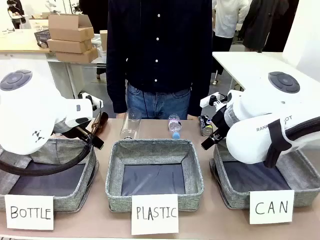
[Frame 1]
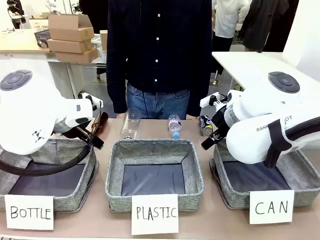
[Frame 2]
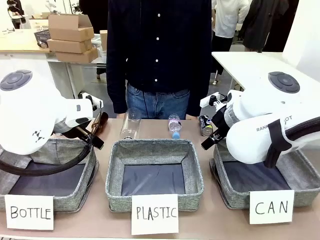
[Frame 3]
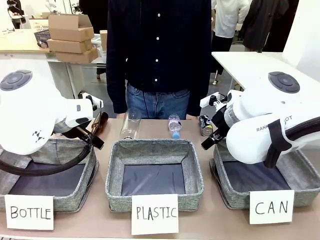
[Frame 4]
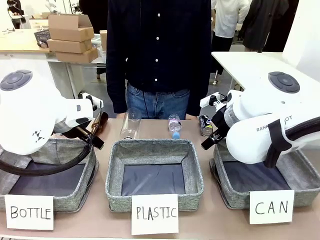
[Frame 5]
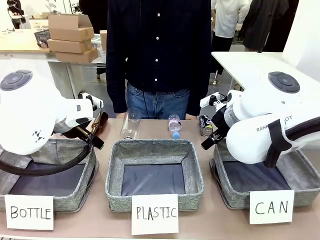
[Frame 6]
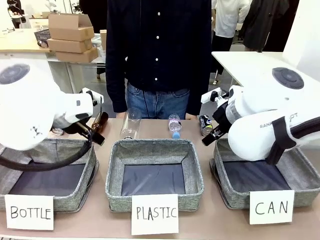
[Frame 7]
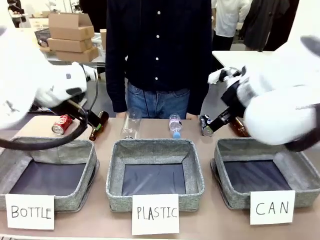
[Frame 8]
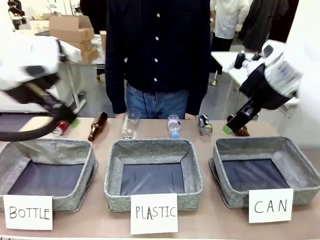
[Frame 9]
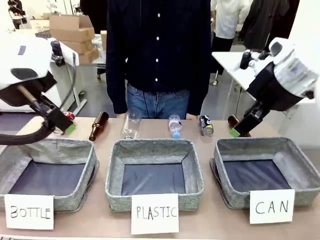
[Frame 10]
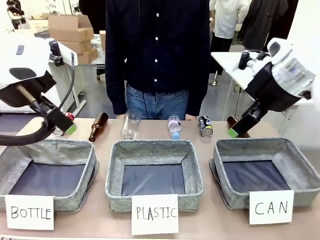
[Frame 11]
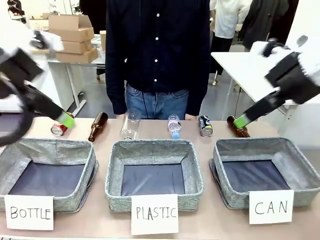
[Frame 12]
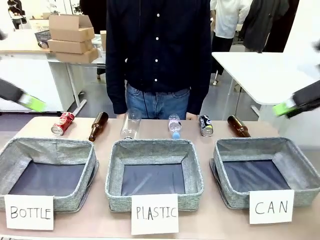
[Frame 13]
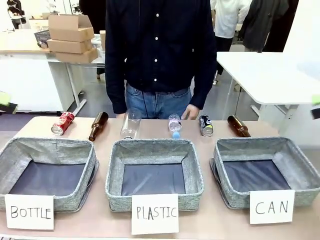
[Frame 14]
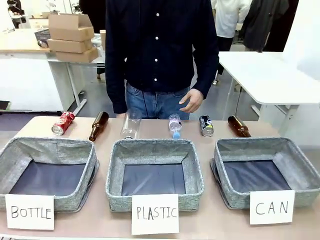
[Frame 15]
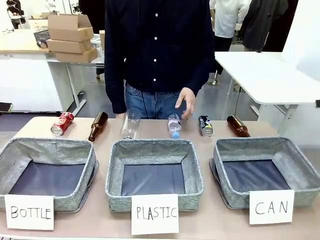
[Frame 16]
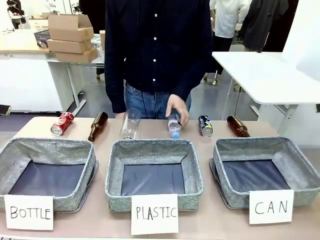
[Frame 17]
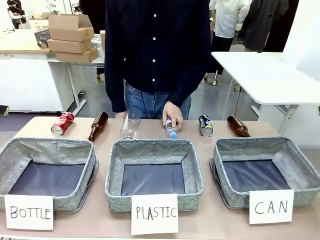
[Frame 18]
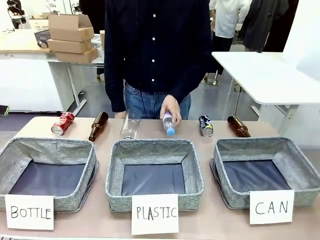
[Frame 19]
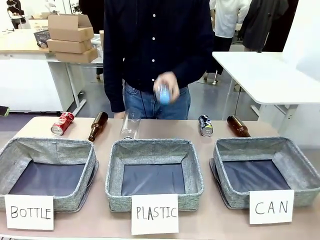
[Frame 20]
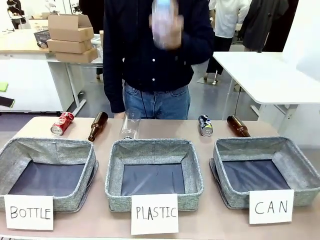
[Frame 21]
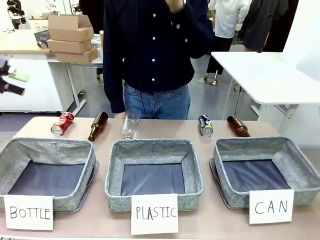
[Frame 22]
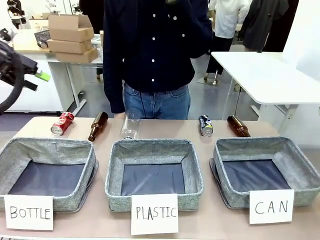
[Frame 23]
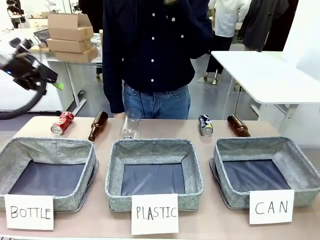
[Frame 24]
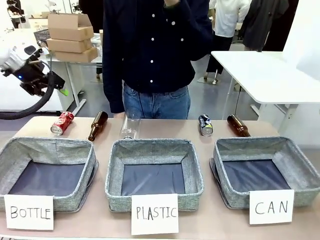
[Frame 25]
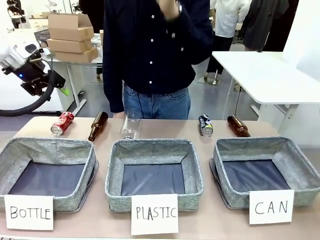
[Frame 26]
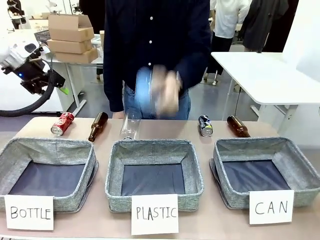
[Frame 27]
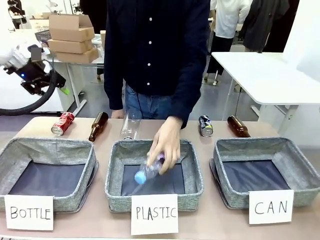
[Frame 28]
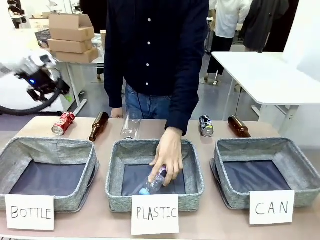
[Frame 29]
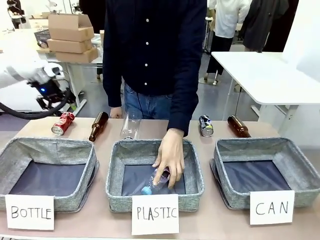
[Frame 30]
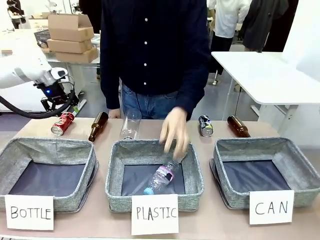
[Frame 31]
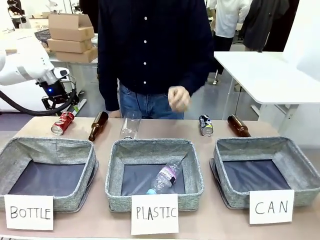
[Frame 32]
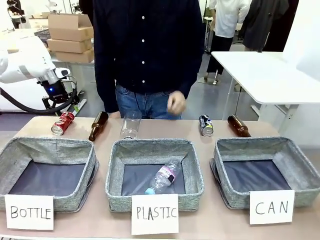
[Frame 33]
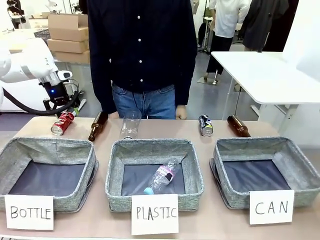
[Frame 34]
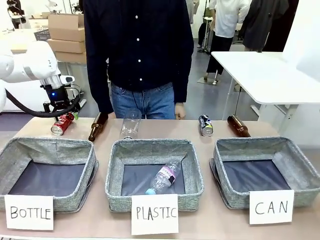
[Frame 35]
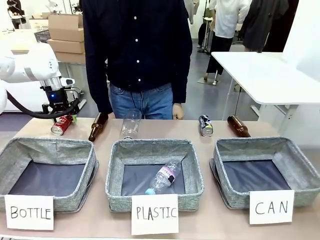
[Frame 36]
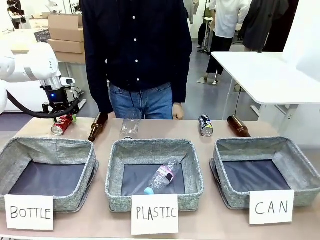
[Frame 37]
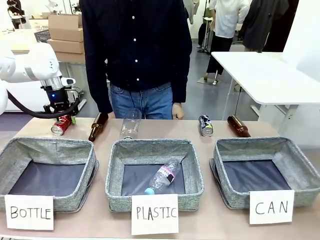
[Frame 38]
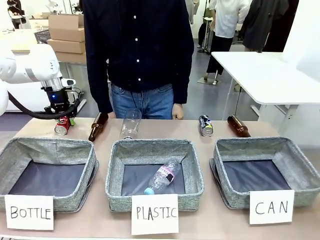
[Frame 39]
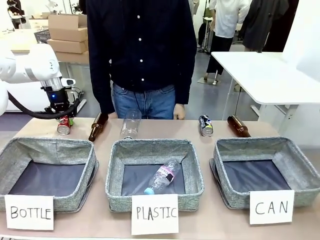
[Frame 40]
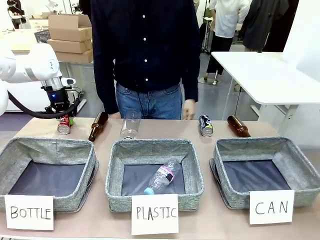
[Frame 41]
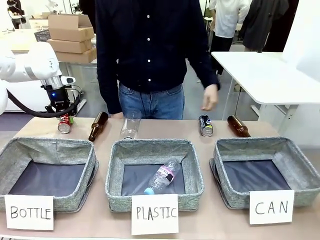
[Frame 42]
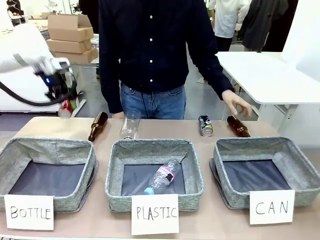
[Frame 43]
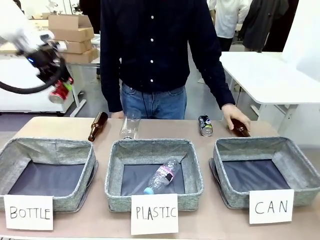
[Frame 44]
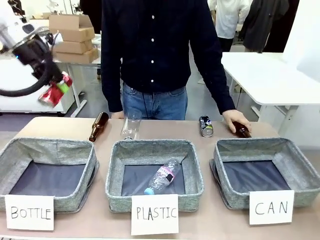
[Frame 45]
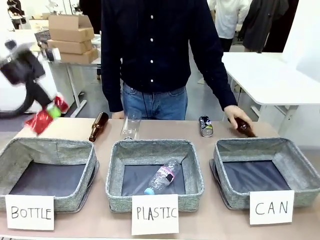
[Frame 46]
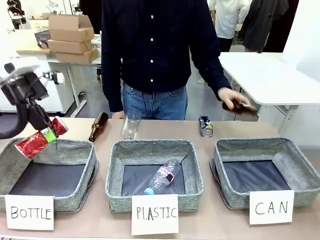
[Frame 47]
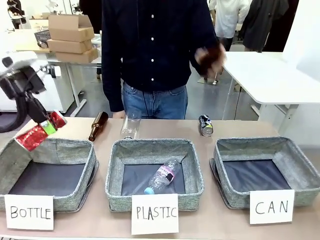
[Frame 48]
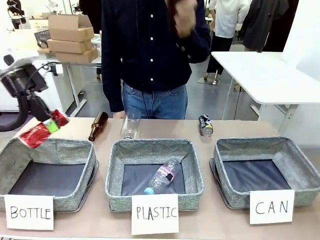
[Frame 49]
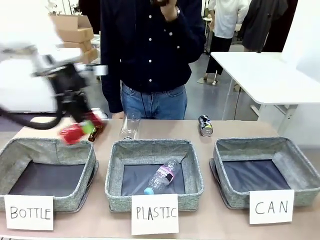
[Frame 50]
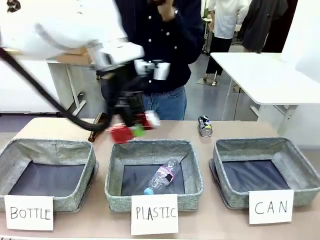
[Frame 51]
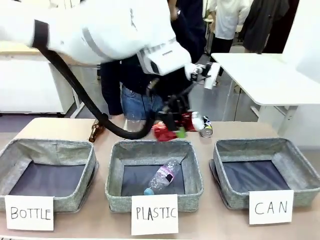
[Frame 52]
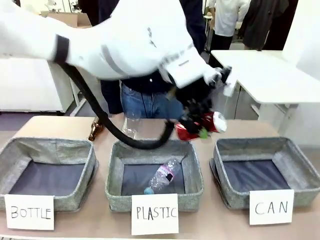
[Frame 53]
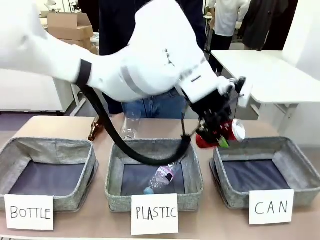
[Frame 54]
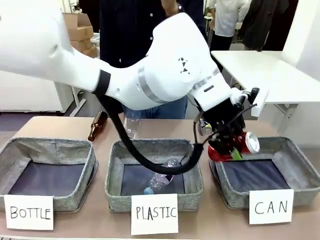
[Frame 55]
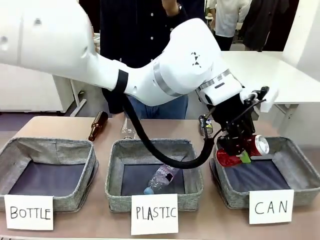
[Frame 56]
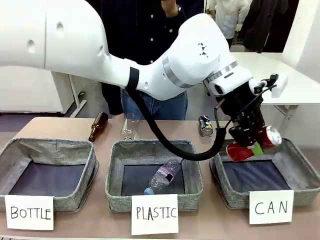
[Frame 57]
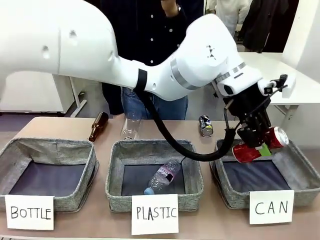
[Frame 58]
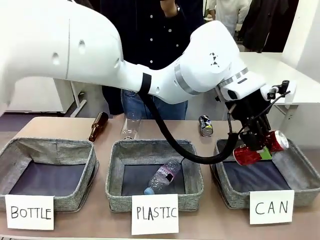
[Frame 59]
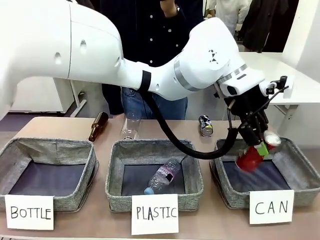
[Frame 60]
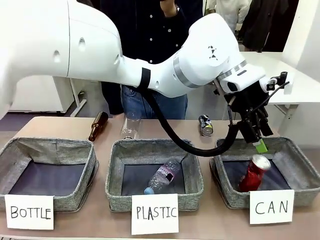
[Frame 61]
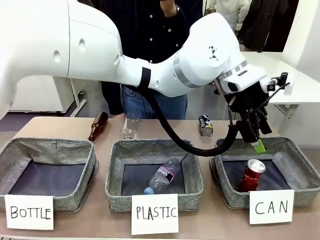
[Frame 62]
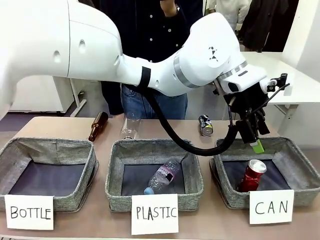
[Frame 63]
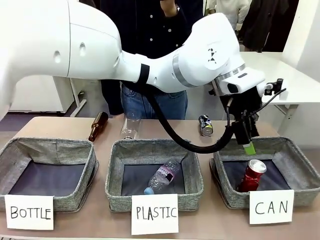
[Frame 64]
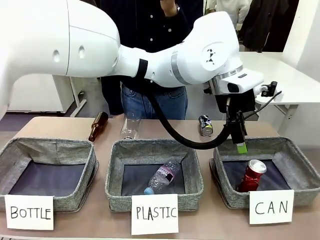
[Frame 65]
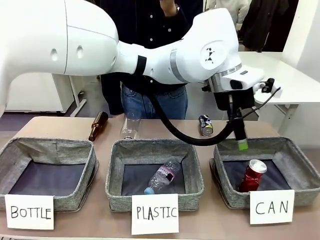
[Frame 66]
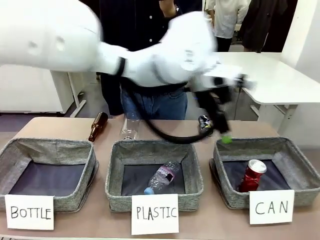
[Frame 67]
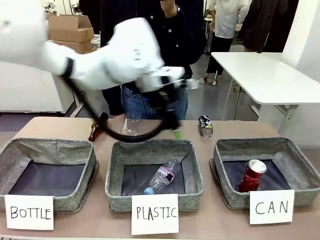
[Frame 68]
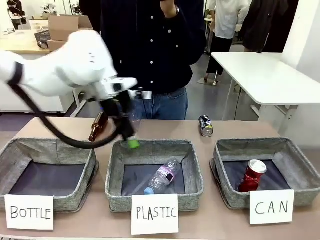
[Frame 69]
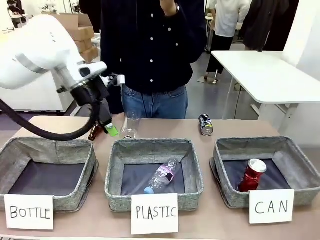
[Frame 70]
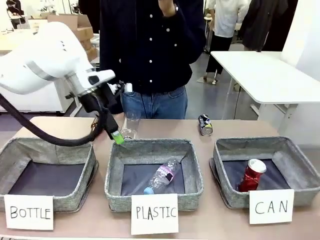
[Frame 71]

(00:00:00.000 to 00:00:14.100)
Task: Sort the can waste into the basket.
Robot: Pick up the can waste from the table and place it in the right Fabric basket.
